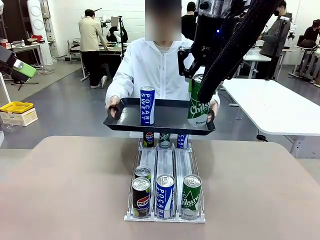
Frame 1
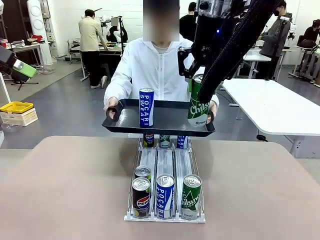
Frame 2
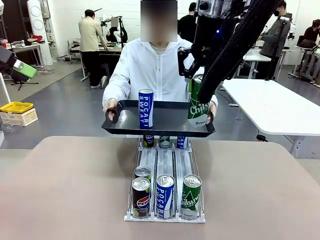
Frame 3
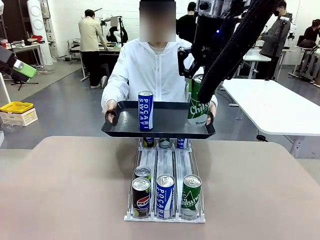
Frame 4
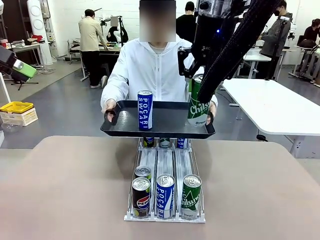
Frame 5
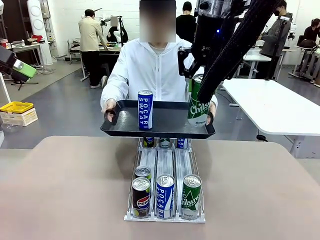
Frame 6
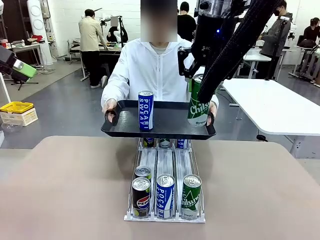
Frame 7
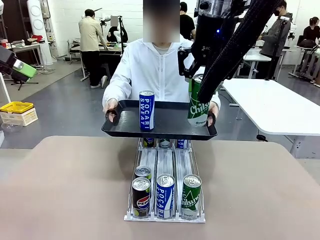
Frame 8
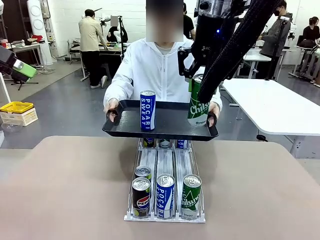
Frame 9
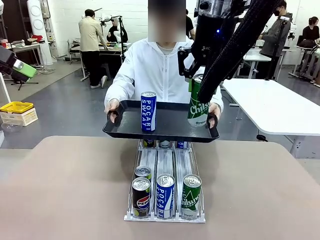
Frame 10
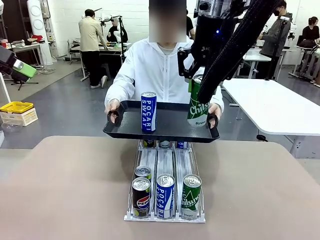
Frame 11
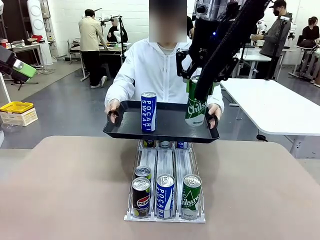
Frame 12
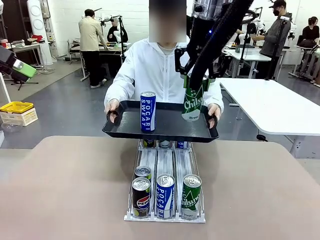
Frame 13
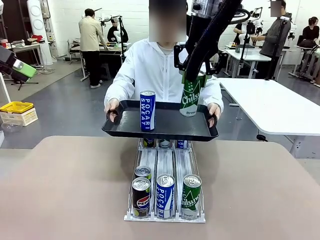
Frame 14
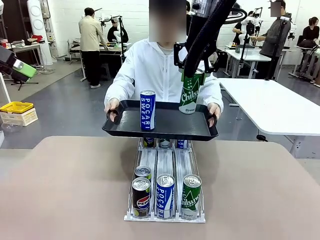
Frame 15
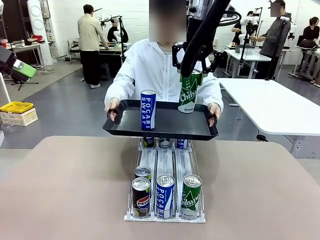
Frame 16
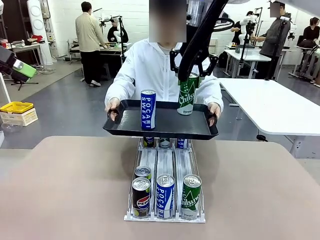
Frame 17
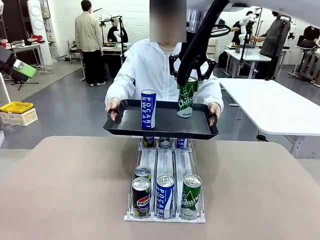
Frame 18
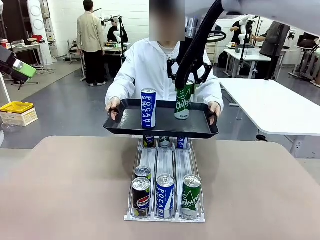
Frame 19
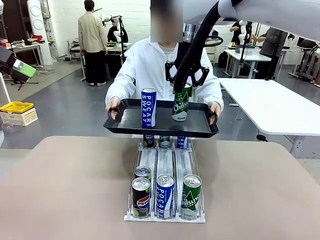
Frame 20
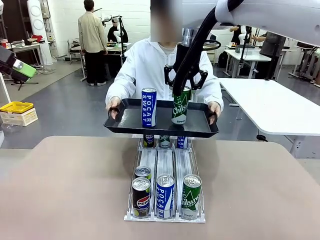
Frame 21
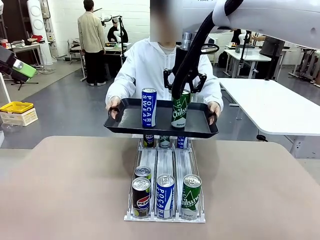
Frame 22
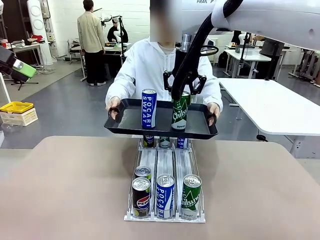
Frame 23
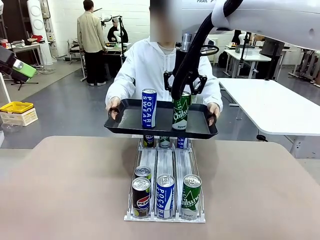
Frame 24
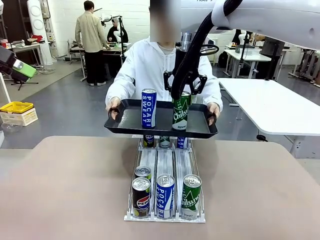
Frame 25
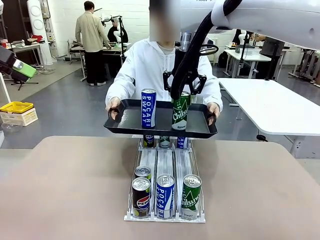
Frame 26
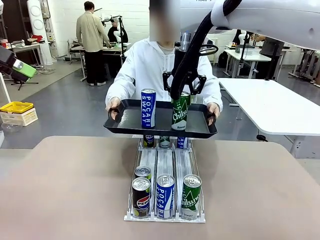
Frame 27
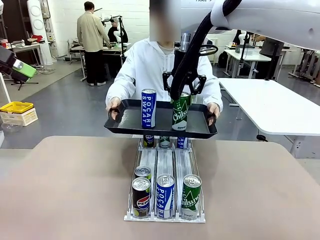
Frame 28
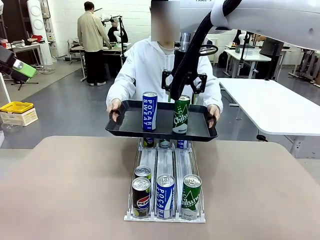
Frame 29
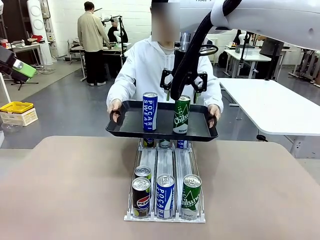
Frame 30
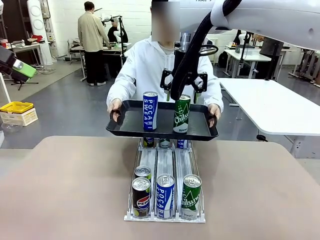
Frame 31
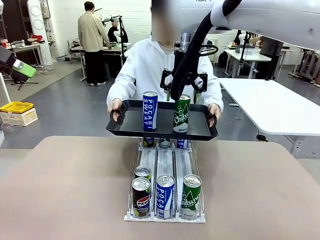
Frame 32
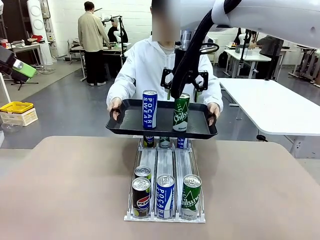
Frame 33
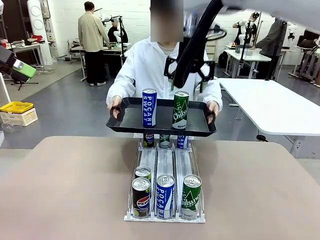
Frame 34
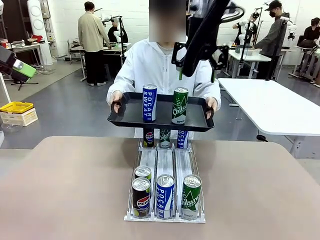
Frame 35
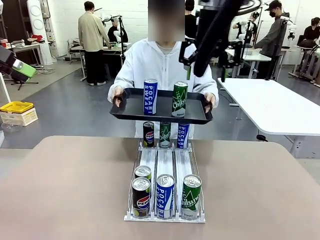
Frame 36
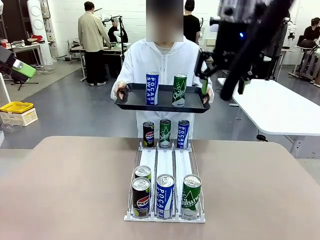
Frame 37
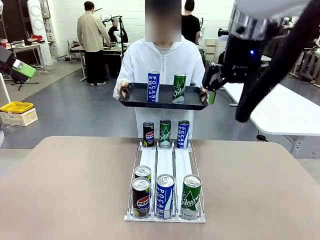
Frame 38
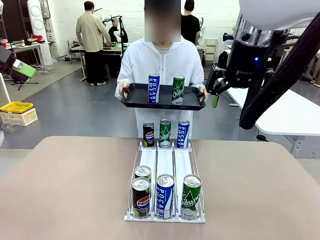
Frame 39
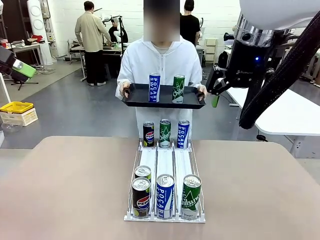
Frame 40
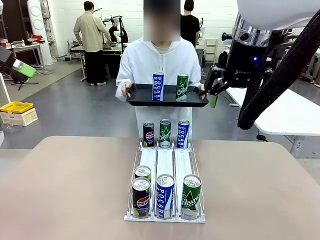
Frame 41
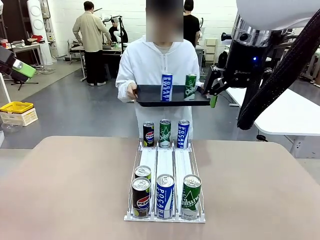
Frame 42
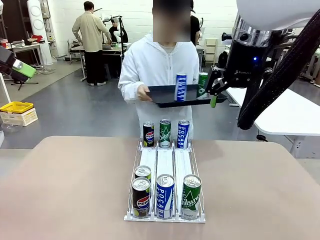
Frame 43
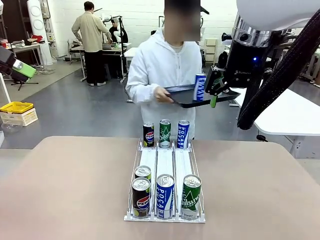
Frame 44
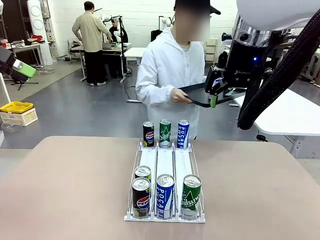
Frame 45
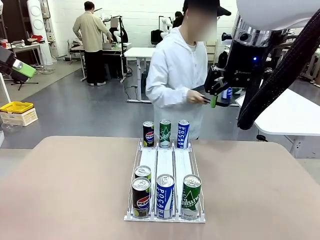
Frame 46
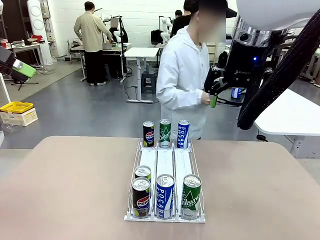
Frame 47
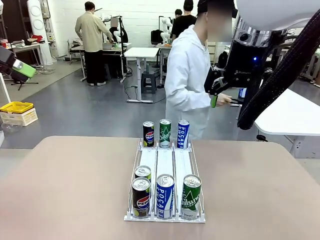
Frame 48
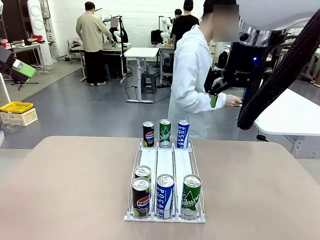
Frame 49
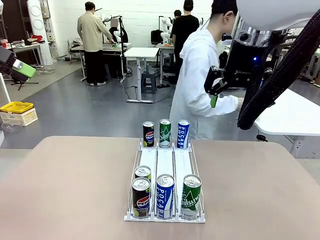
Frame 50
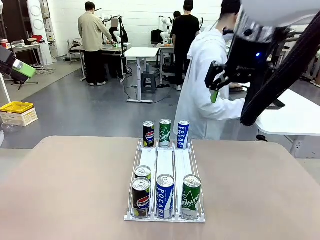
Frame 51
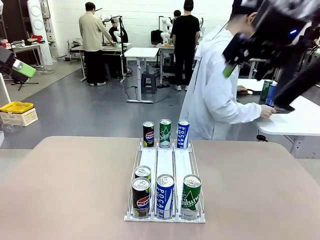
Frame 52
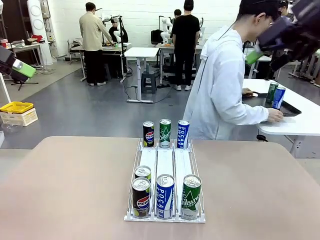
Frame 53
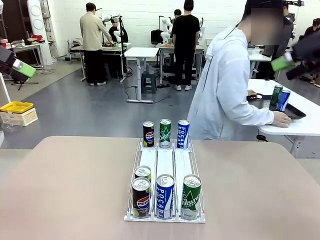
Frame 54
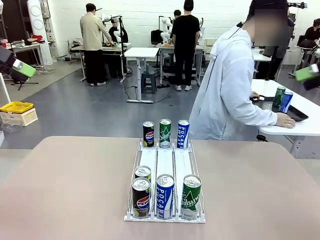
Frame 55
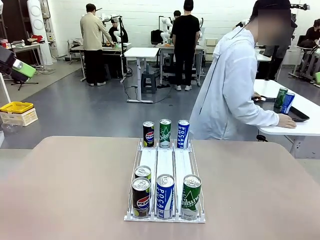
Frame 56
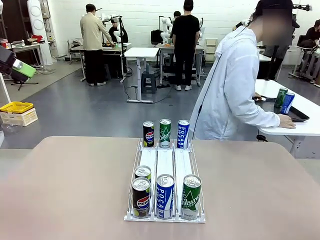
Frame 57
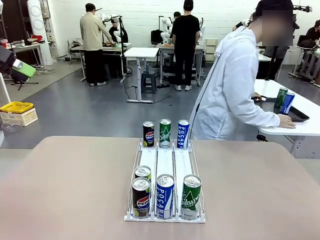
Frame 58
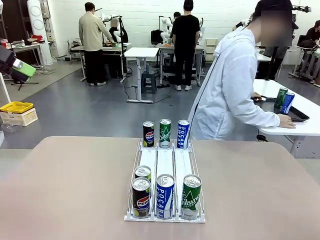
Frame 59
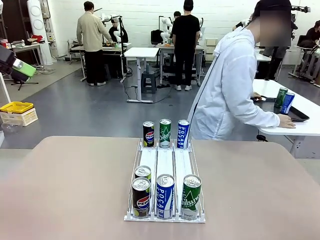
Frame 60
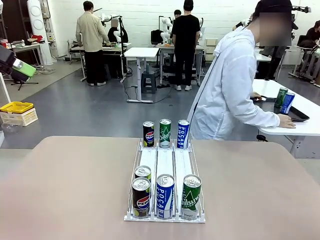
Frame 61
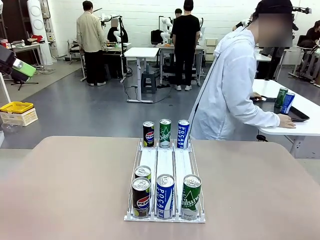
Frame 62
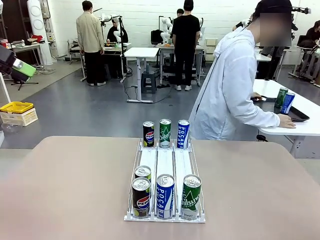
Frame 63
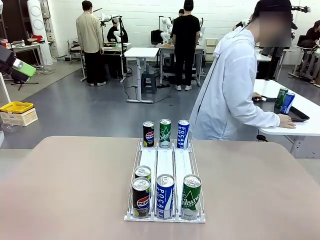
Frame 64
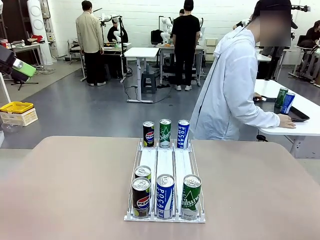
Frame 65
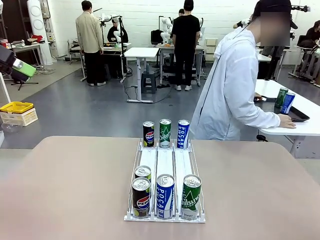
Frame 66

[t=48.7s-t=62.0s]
Task: Retrieve and hand over the desired beverage to the person.
Robot: Place the picked can on the Handle tray extended by the person.
Person: Pull the tray back and place it at the center of the human table.
